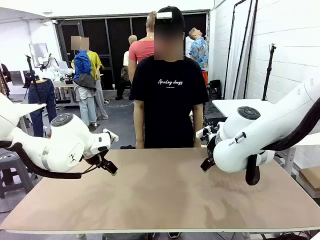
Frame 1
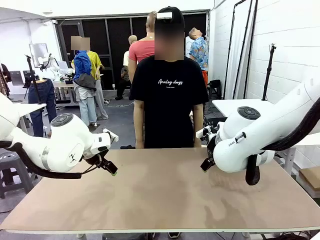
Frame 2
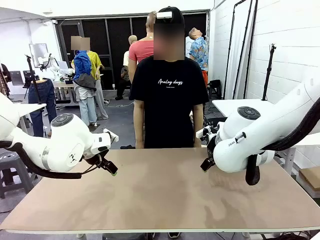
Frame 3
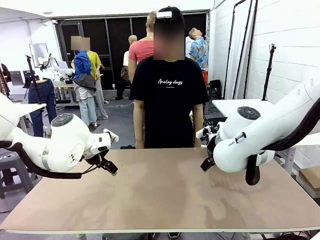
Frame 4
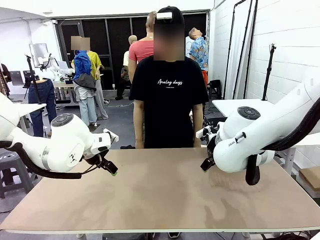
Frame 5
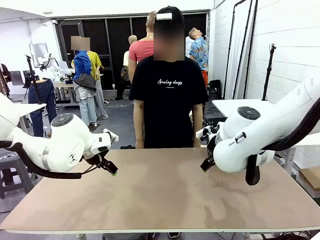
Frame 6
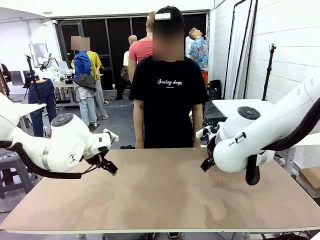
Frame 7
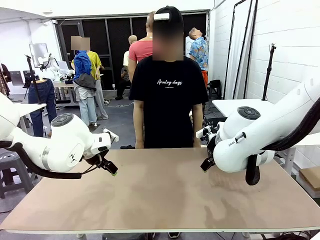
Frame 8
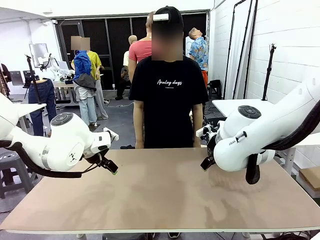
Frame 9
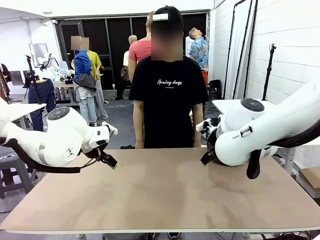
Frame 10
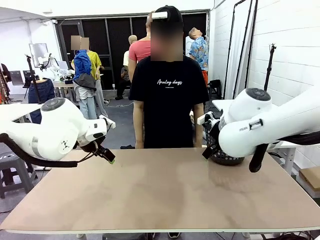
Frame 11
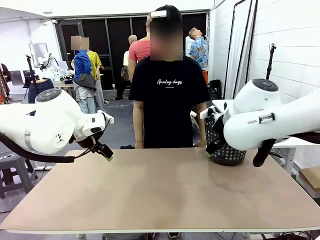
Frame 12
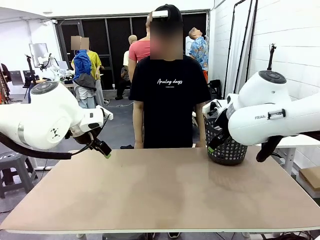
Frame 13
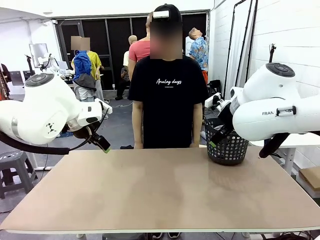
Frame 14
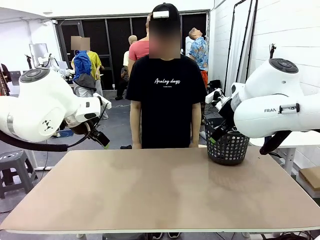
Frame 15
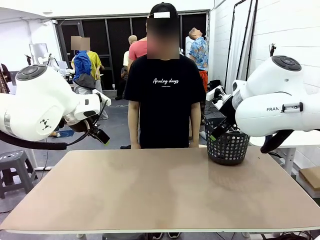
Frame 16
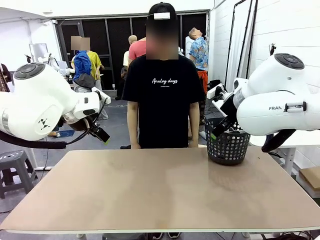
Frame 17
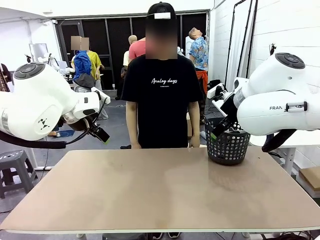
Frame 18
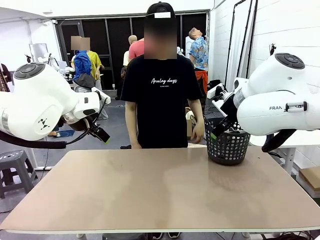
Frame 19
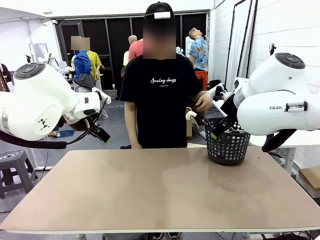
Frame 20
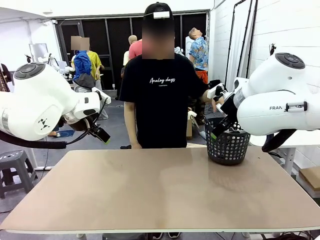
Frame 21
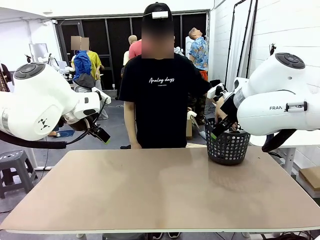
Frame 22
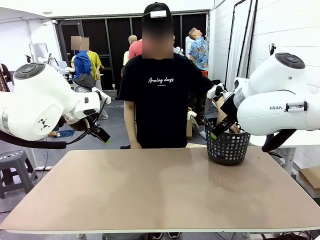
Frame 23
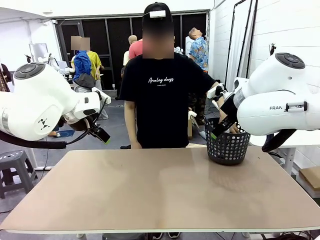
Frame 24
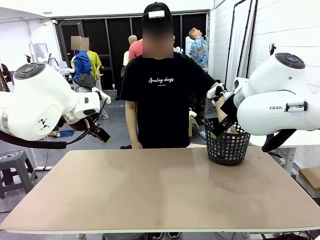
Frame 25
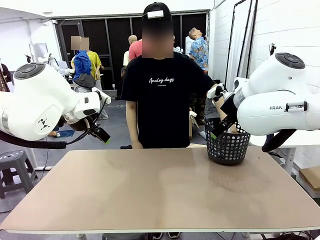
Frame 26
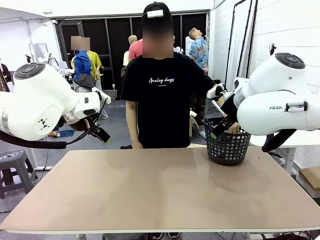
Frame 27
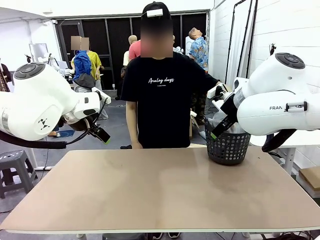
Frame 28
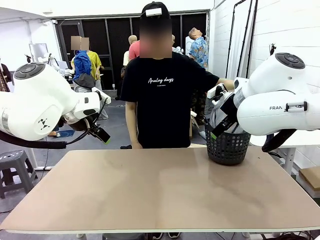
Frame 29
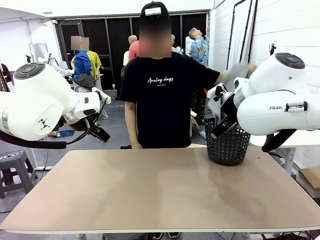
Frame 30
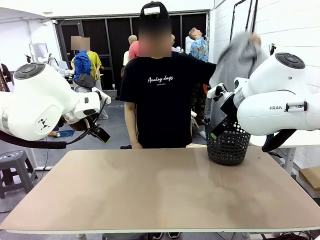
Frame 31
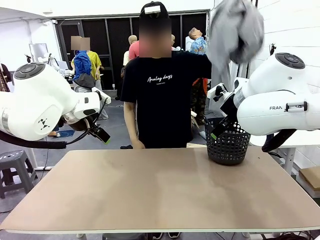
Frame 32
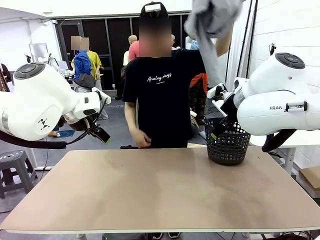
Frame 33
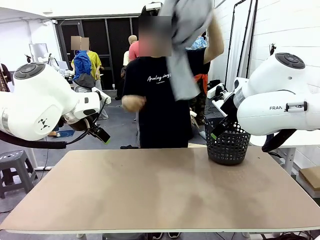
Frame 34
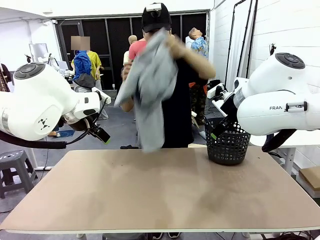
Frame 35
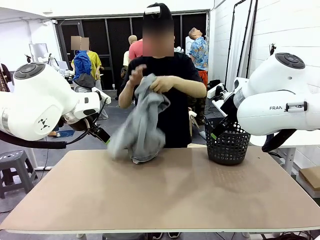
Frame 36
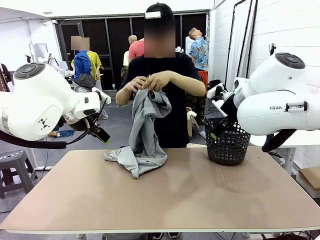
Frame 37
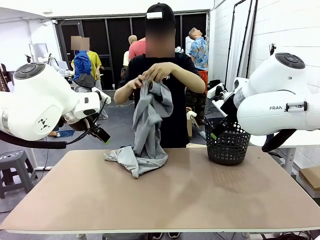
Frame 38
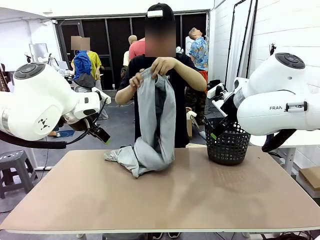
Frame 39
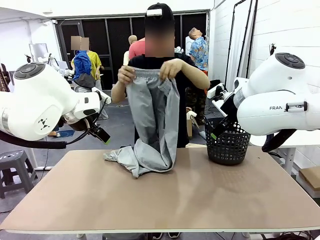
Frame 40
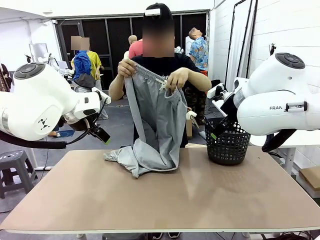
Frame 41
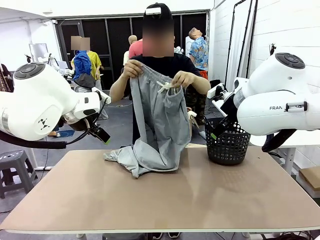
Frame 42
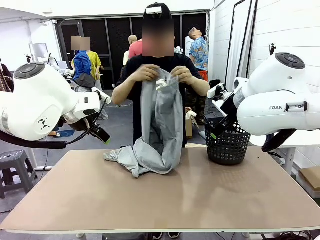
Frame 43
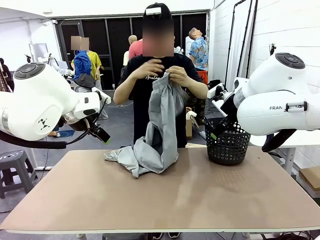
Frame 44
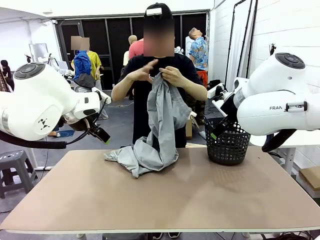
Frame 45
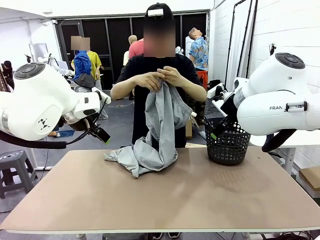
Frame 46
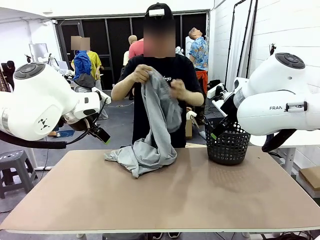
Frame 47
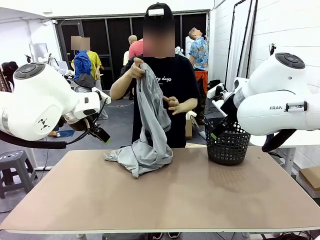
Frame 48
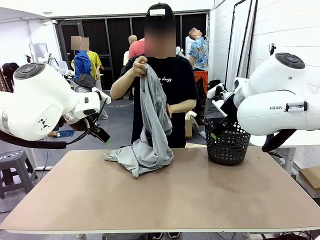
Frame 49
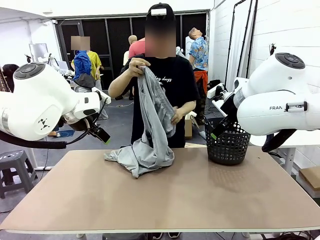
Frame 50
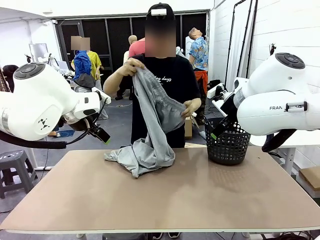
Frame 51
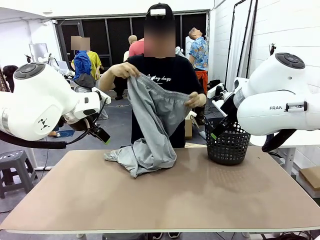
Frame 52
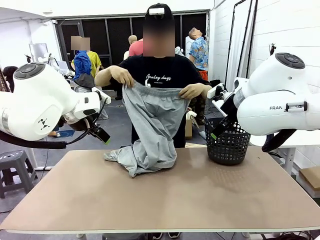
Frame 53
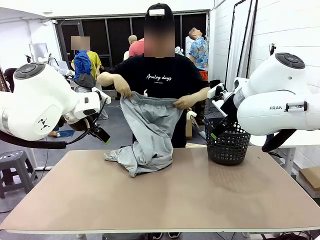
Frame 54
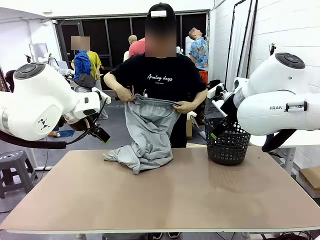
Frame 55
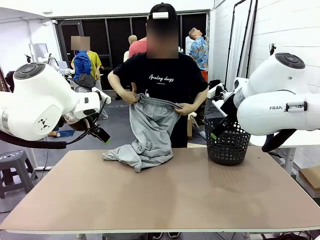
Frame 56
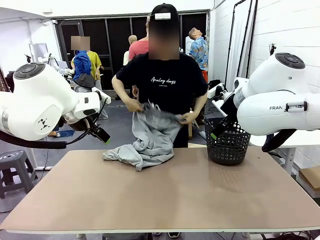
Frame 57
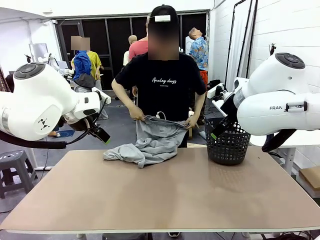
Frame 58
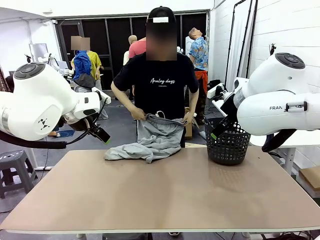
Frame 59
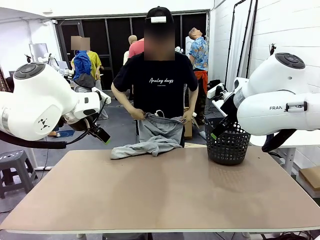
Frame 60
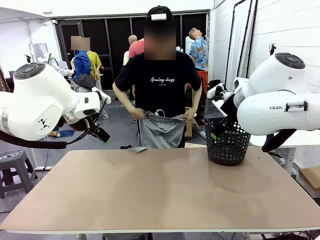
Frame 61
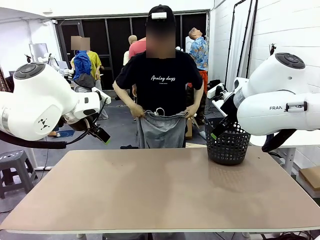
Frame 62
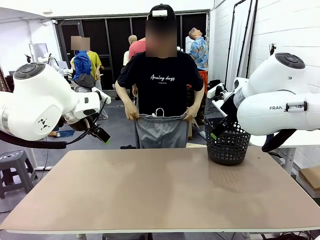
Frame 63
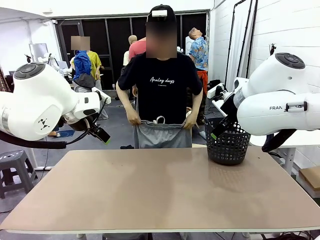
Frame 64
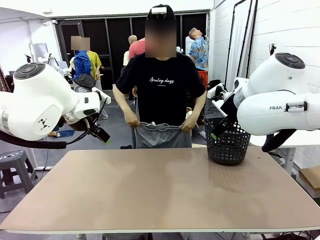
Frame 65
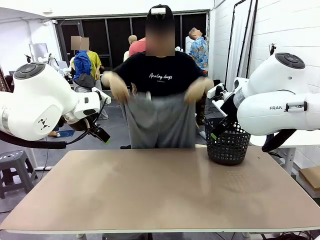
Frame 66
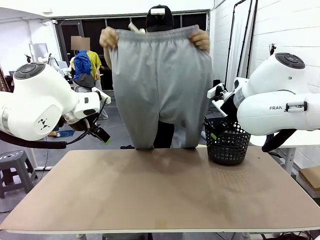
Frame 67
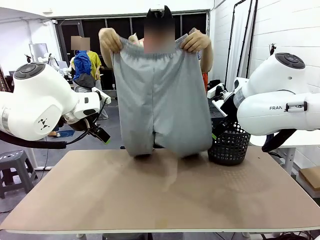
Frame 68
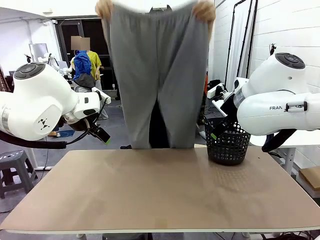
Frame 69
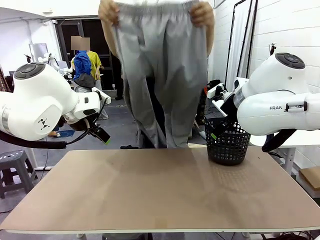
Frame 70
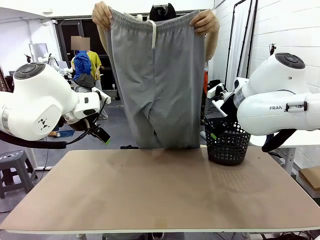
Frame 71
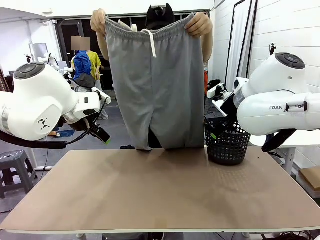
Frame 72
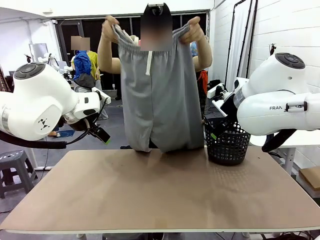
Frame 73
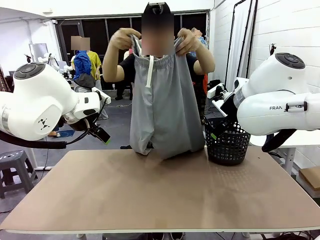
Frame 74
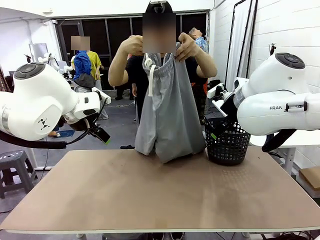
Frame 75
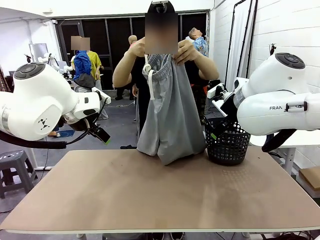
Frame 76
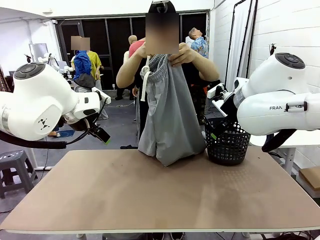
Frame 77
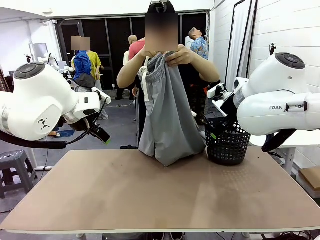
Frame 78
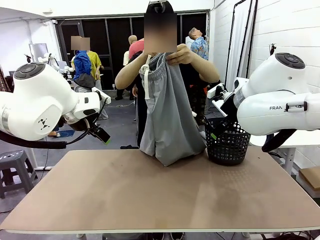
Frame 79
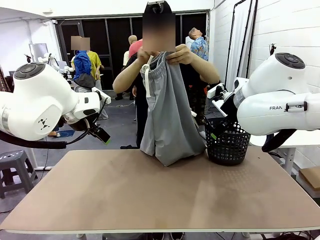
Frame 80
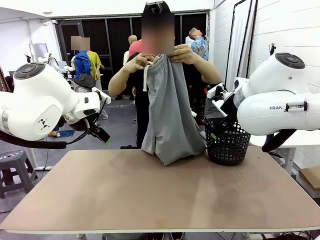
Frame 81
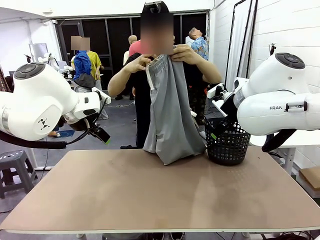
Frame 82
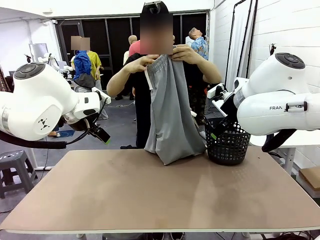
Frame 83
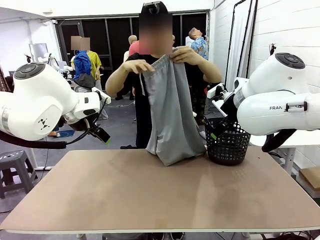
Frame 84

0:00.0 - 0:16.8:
Task: Fold the training pants.
Robot: Grab both ends of the Training pants handed by a person.
Person: Take the long pants out of the laundry basket, unfold them, fold the waist in half, and extend them so the robot can pick up both corners.
